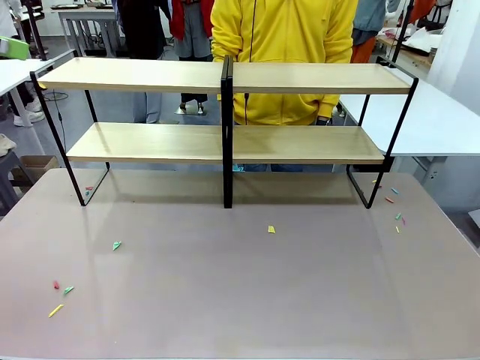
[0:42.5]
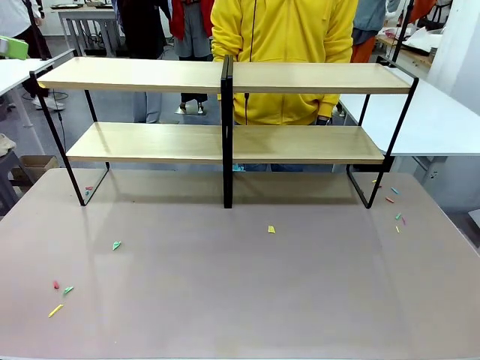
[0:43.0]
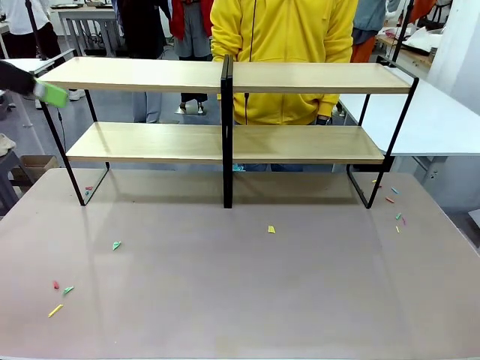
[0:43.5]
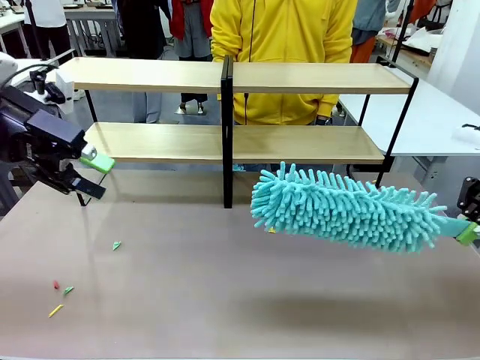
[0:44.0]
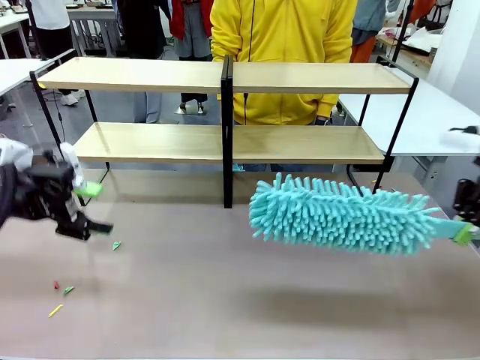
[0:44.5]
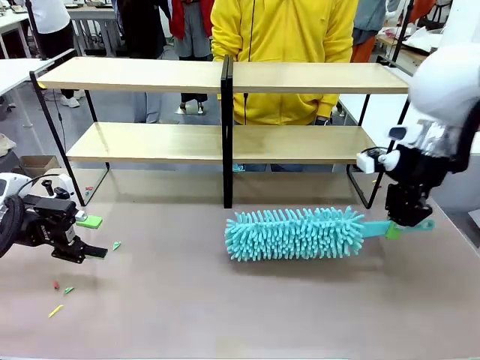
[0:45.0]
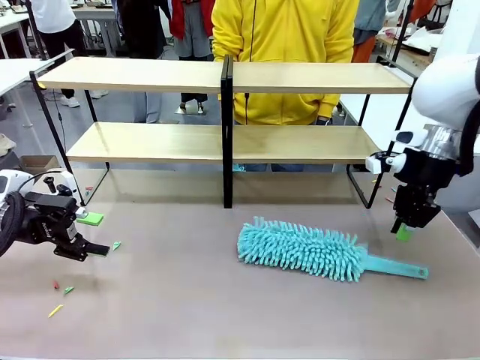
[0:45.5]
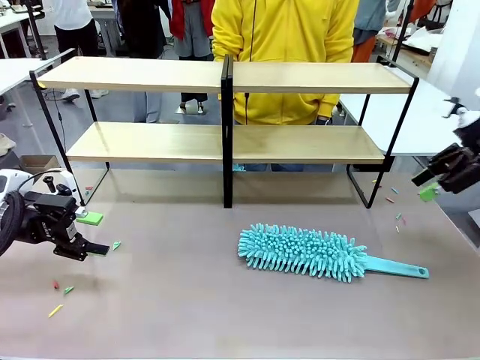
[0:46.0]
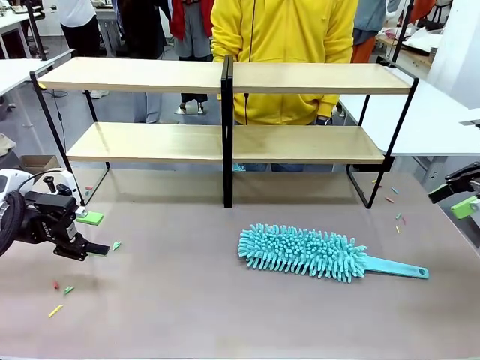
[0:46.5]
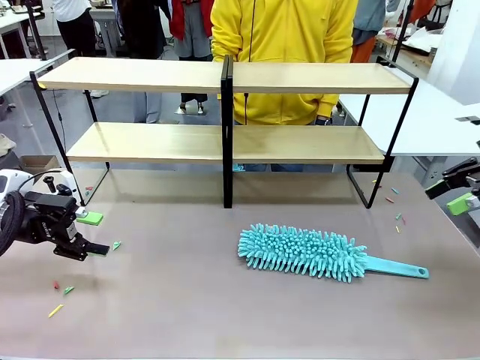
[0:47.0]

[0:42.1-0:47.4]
Task: Clean the shelves.
Robot: Place the Duster on the table.

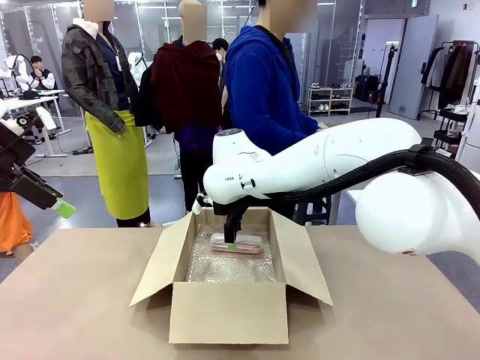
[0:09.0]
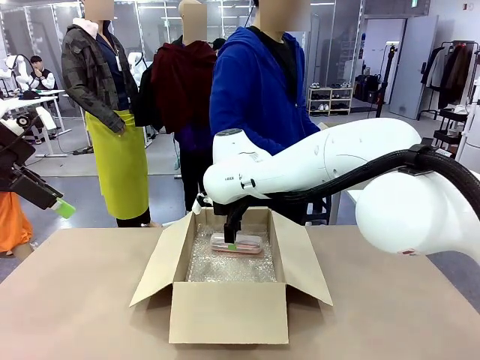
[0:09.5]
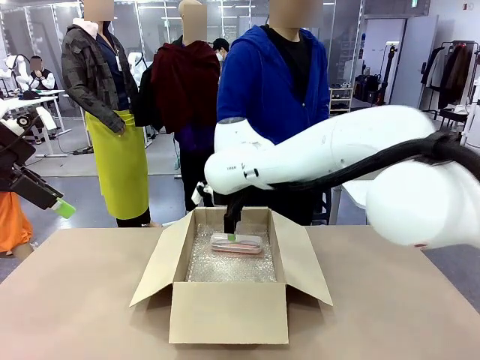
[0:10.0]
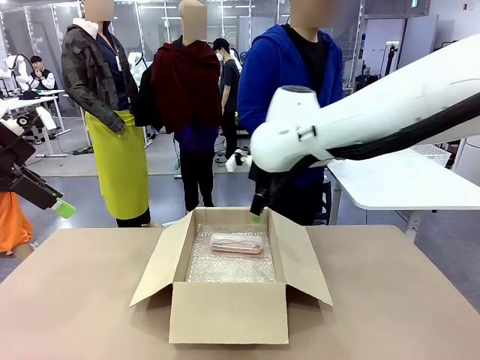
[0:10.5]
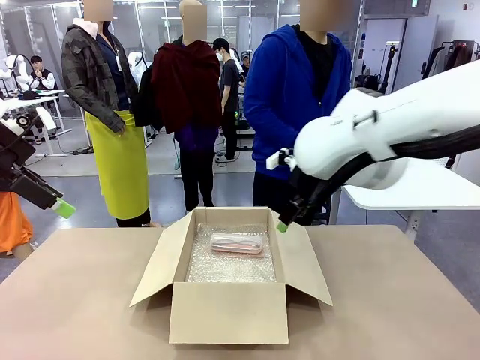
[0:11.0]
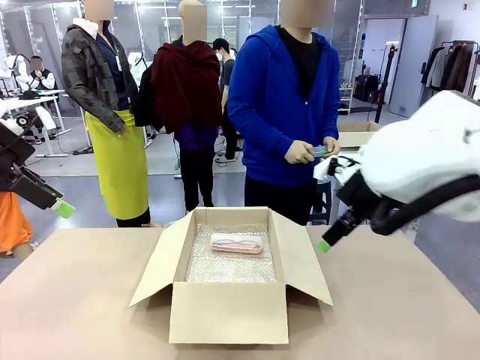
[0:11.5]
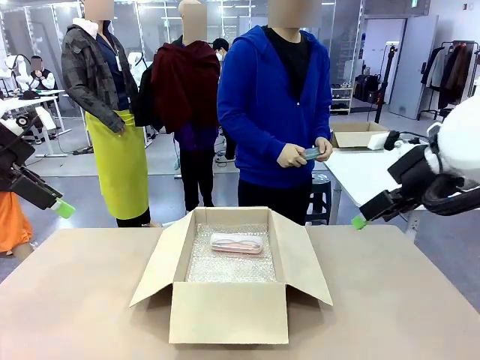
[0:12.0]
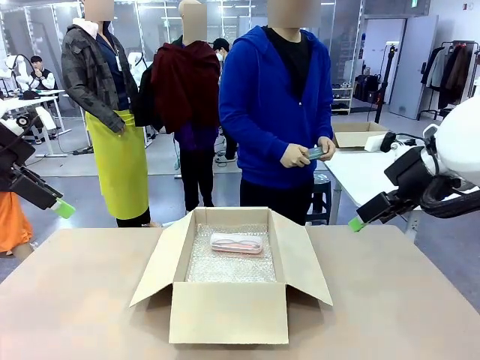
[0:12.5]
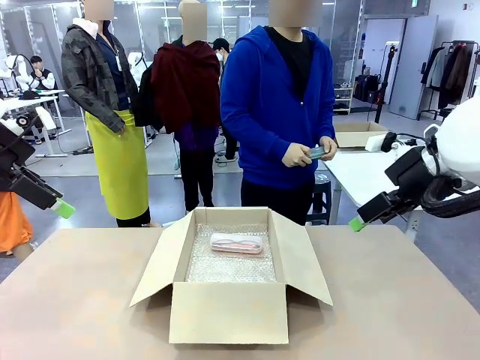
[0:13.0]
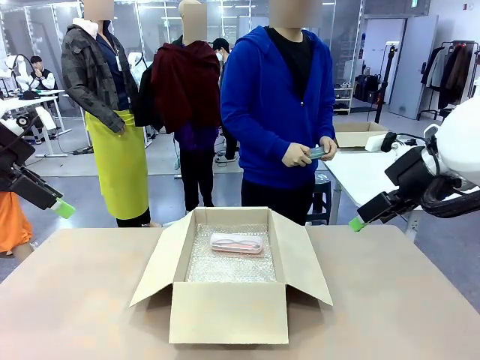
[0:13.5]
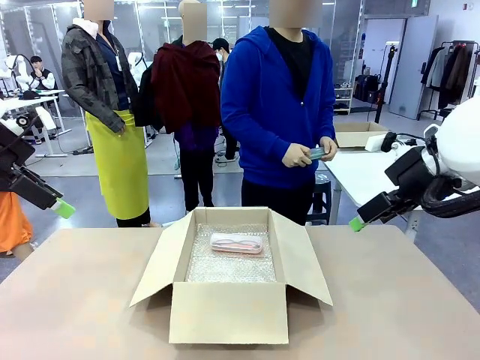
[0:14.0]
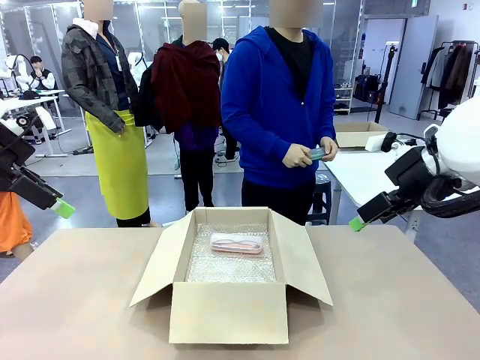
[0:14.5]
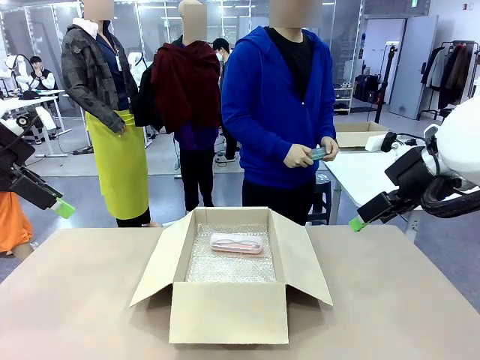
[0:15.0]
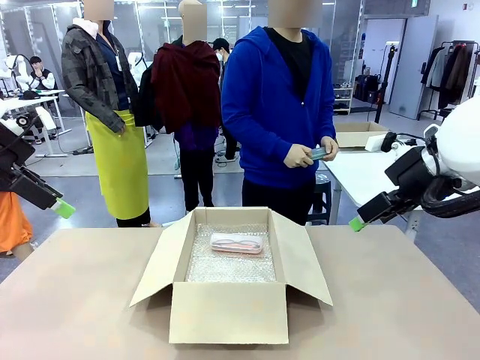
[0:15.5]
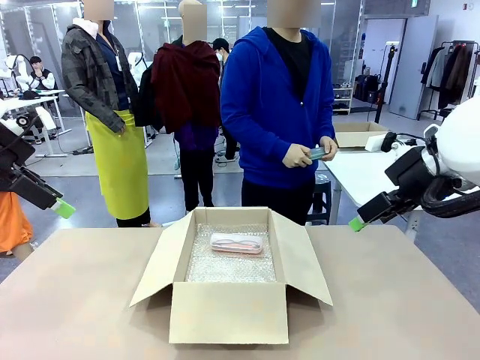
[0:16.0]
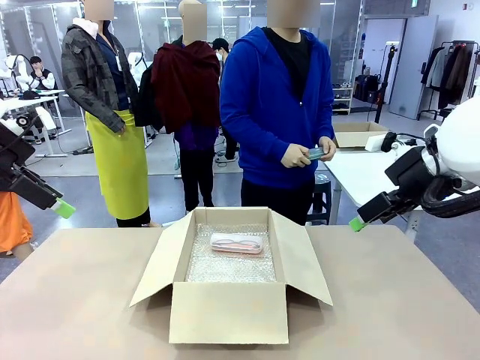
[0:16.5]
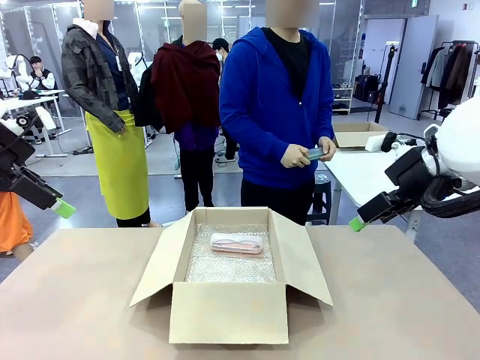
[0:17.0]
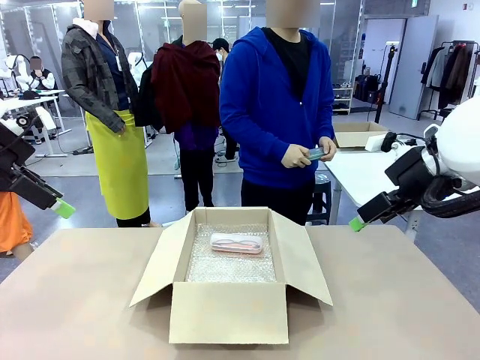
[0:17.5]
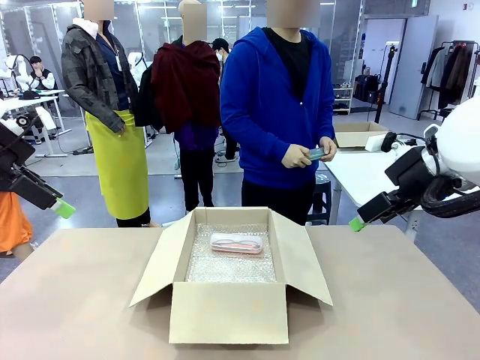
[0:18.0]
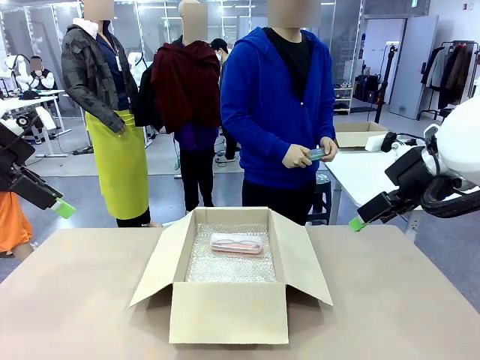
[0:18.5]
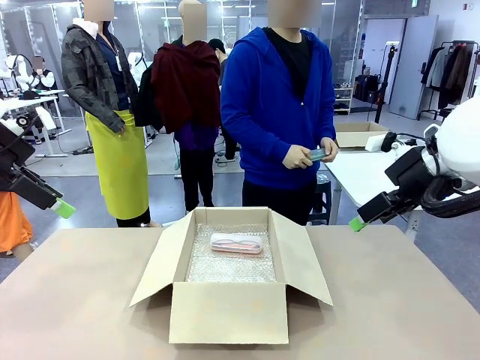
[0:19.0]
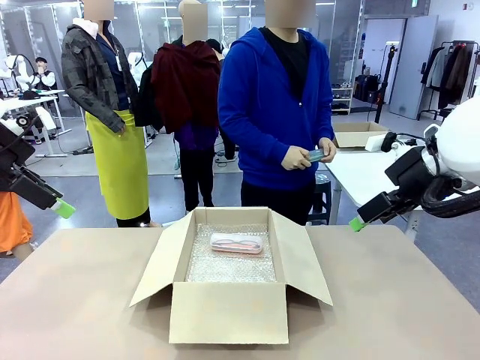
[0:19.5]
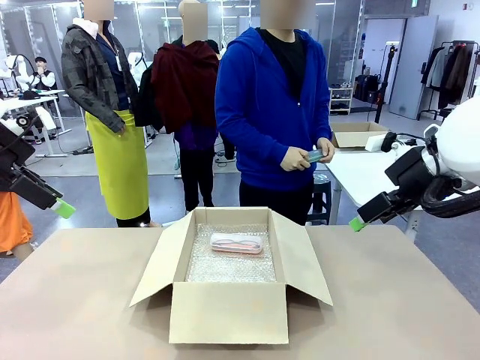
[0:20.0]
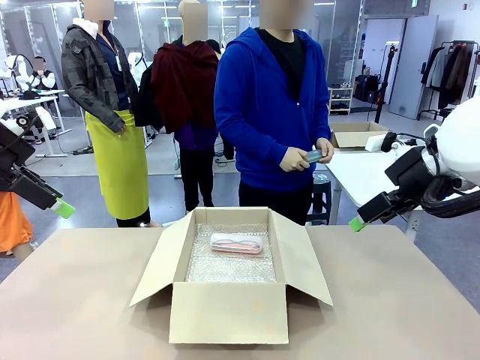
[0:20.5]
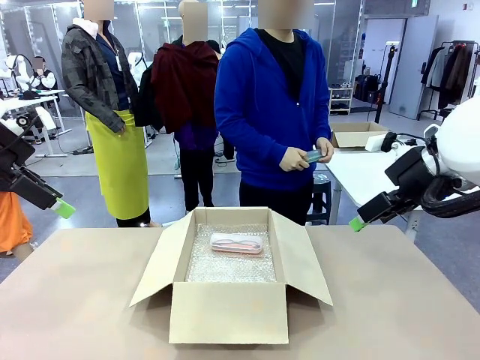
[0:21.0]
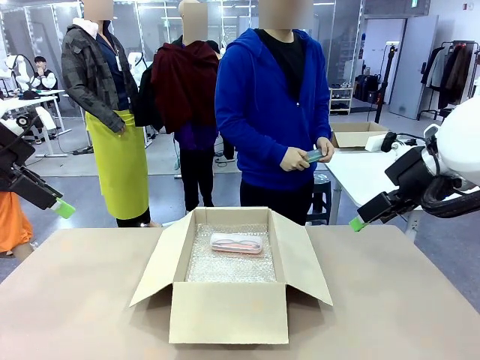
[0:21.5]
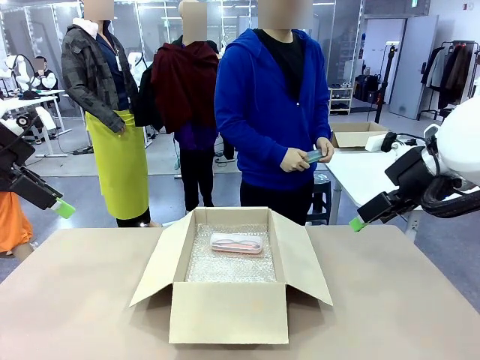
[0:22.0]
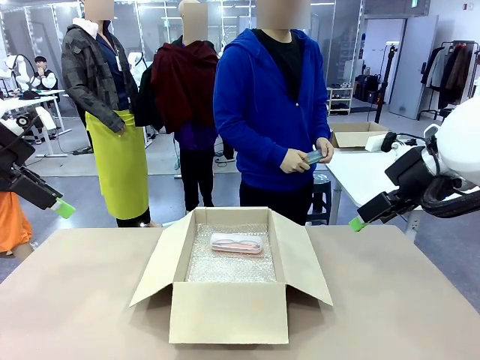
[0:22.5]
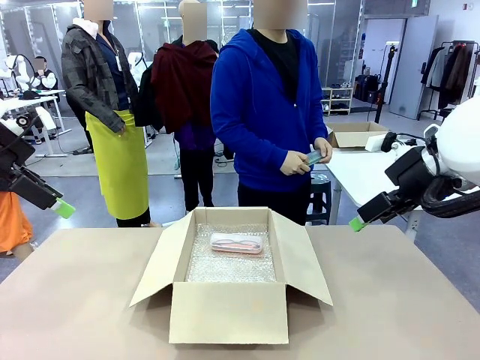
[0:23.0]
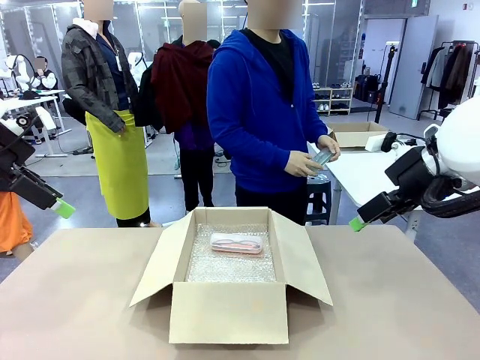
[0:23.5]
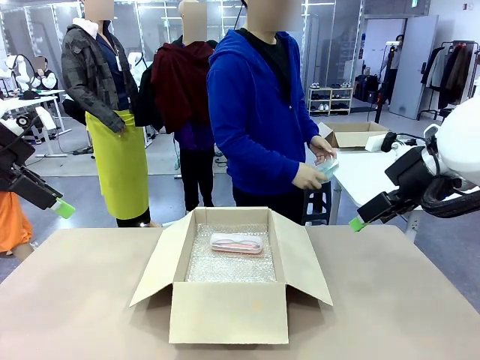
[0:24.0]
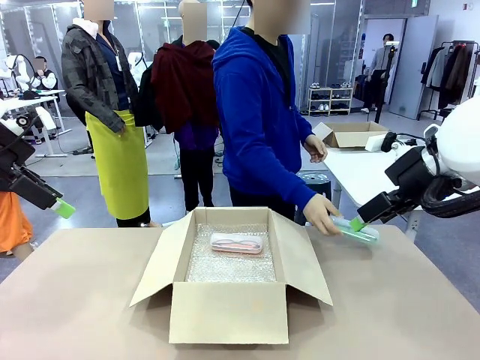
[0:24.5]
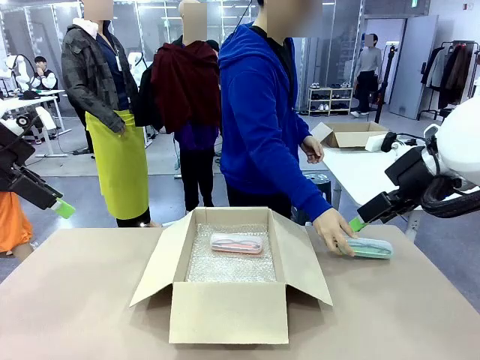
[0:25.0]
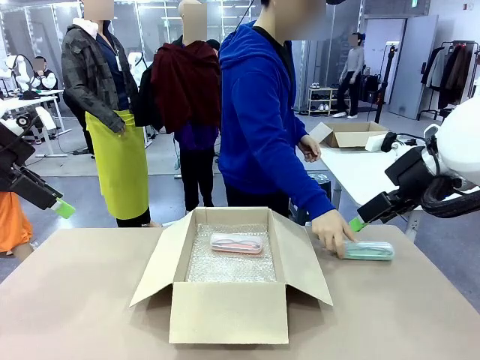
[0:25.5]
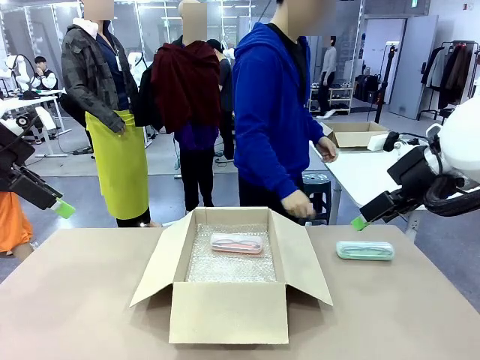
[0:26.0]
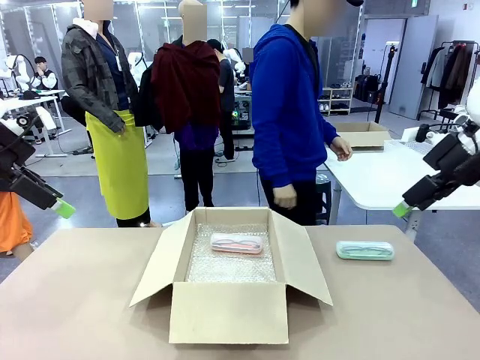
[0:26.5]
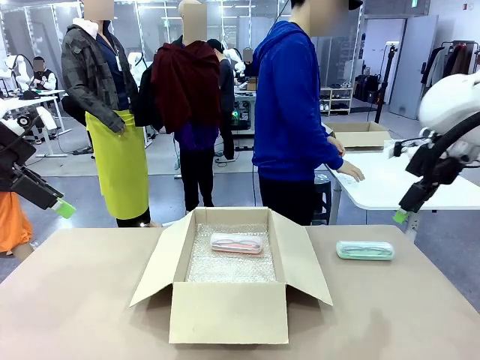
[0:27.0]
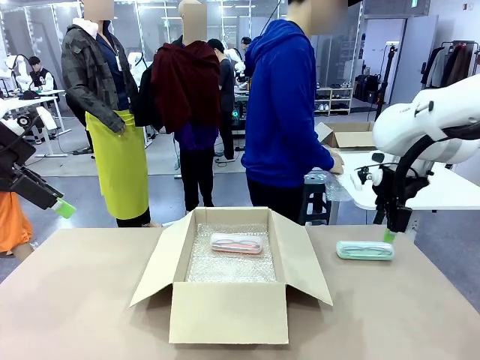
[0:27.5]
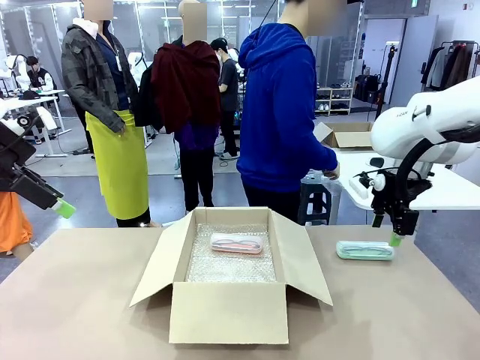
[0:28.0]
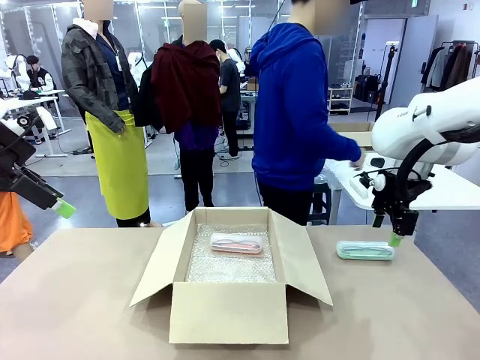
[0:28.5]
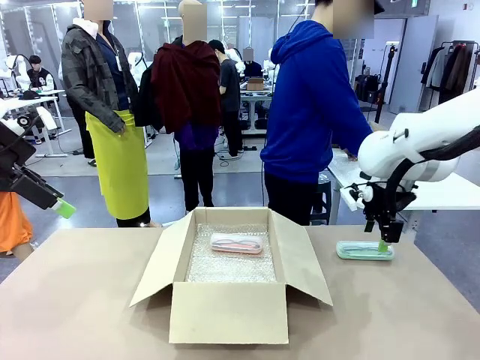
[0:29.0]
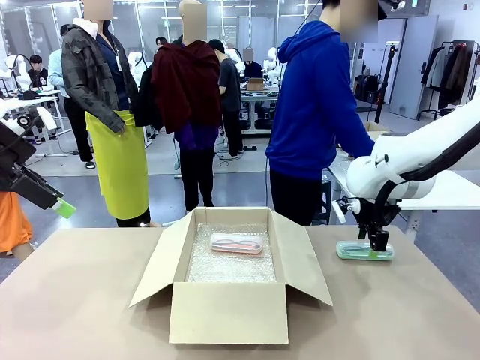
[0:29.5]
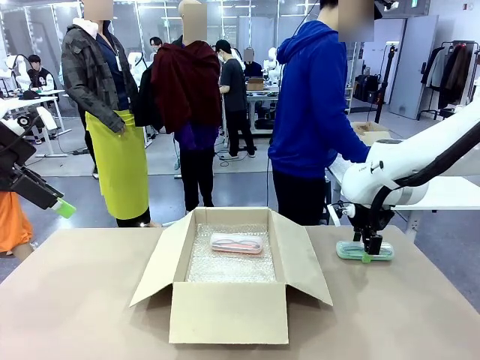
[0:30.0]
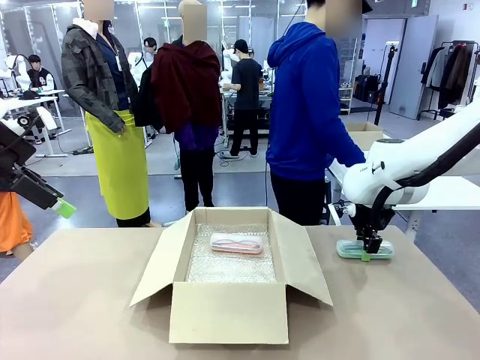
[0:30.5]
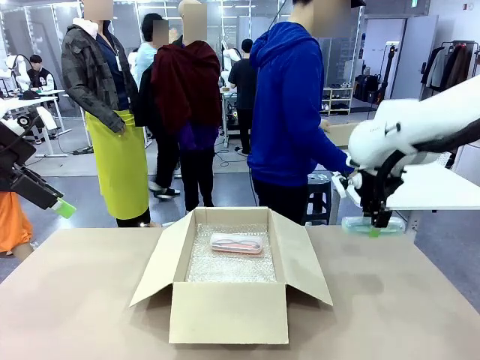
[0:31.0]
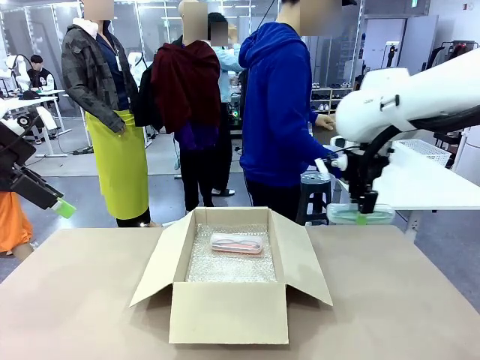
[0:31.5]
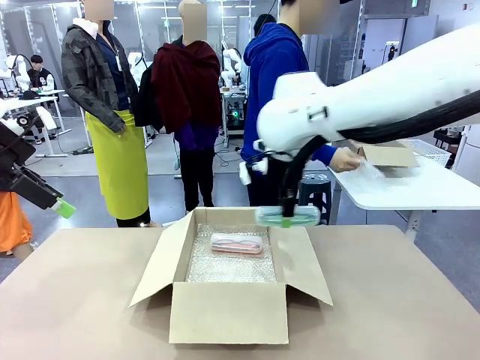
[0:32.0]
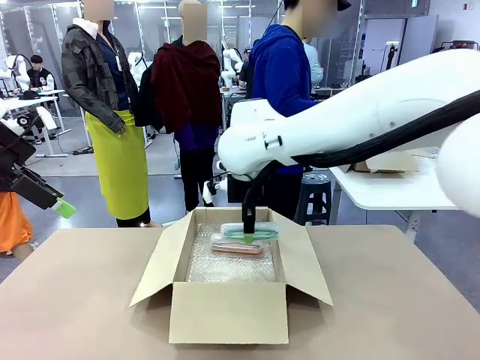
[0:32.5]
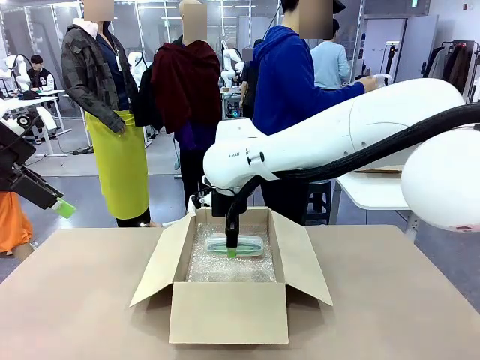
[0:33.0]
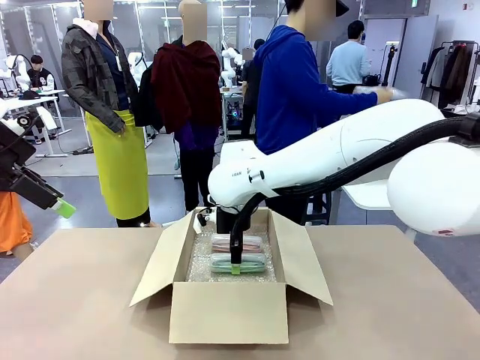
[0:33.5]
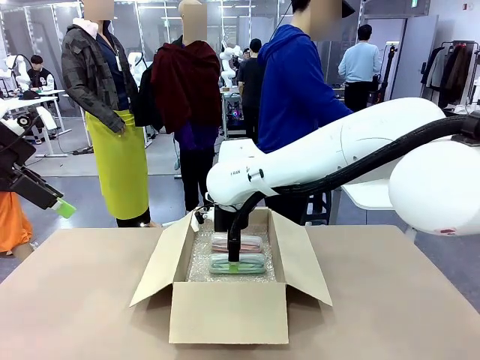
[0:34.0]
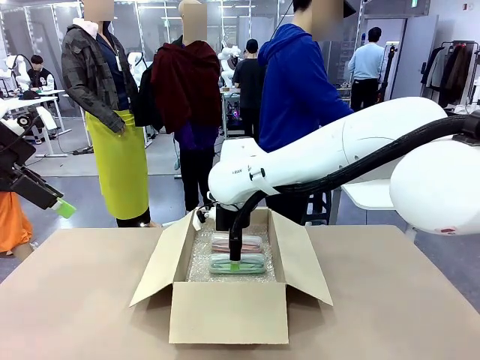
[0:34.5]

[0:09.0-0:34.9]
Task: Pack the glasses set securely to prepare it for shipping.
Robot: Put the Glasses case from the right side of the table into the Package Box.
Person: Position the Glasses case on the left side of the robot's table.
